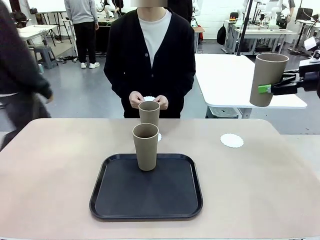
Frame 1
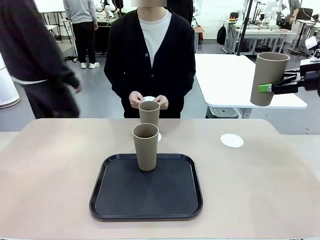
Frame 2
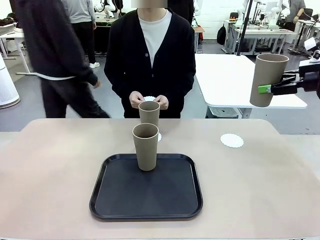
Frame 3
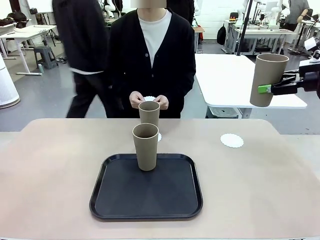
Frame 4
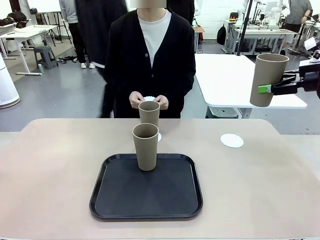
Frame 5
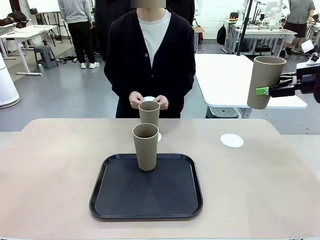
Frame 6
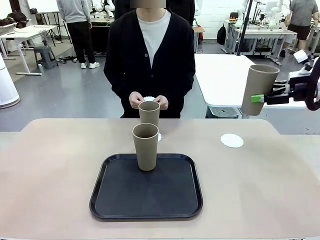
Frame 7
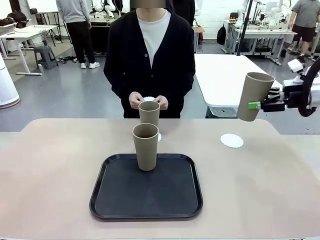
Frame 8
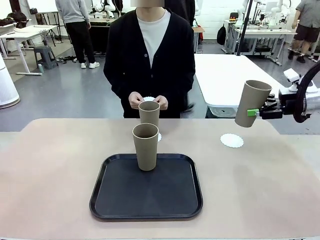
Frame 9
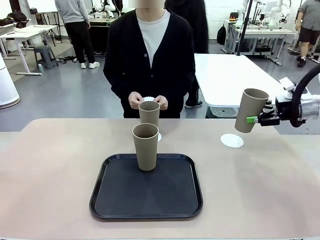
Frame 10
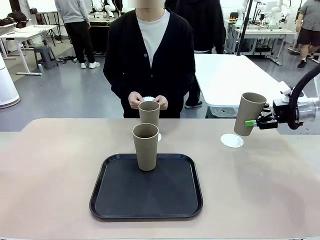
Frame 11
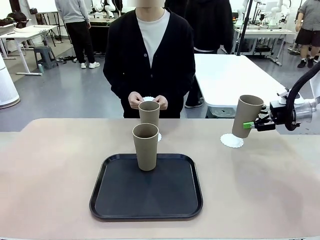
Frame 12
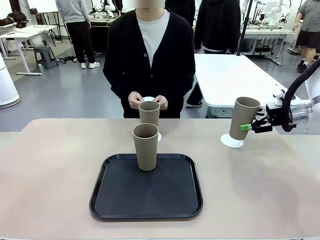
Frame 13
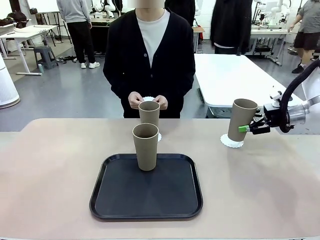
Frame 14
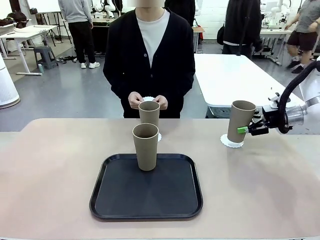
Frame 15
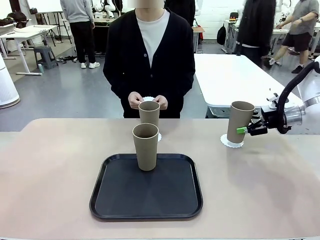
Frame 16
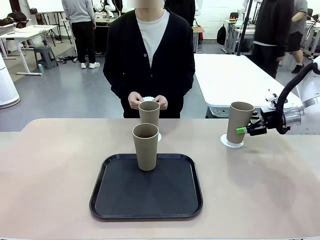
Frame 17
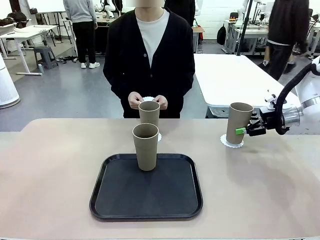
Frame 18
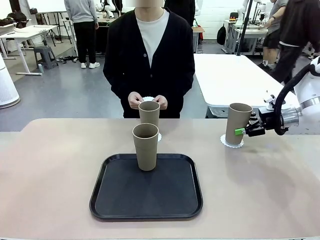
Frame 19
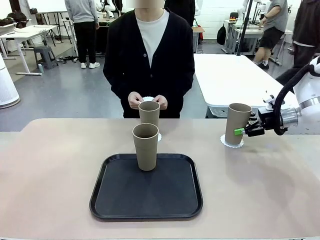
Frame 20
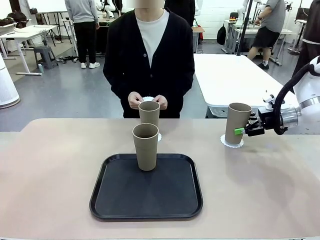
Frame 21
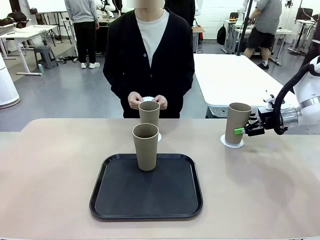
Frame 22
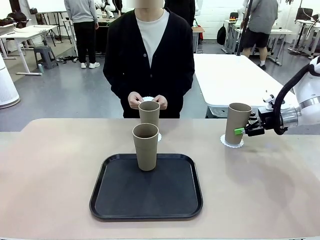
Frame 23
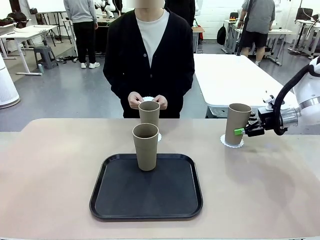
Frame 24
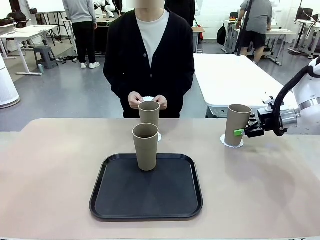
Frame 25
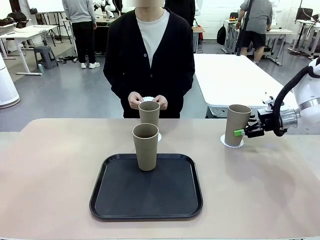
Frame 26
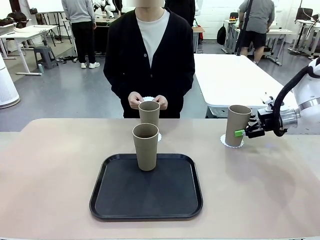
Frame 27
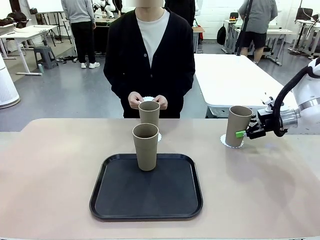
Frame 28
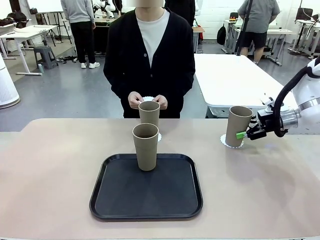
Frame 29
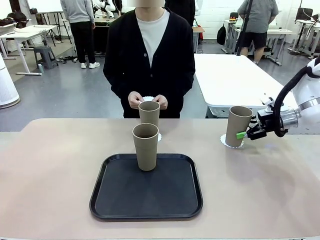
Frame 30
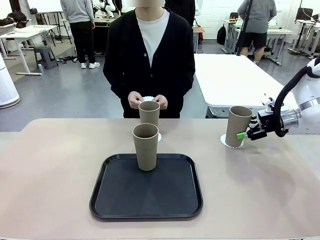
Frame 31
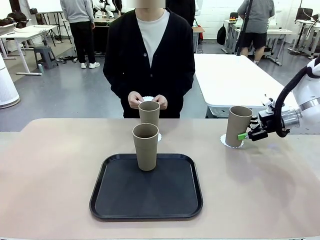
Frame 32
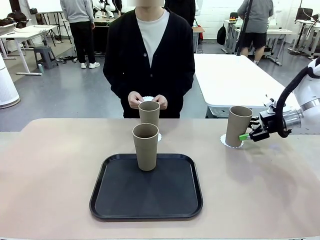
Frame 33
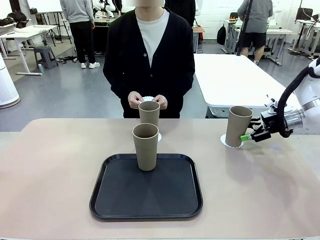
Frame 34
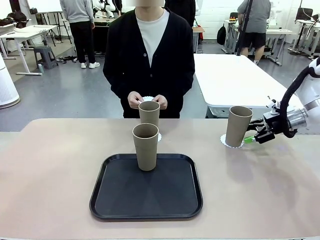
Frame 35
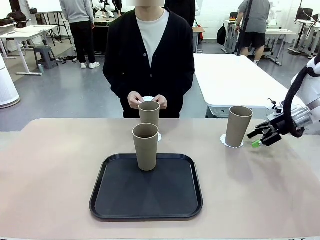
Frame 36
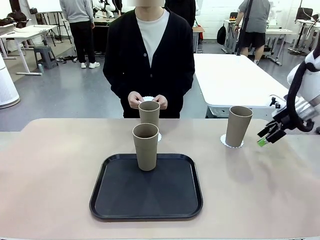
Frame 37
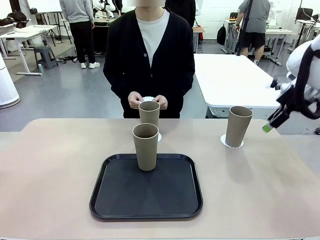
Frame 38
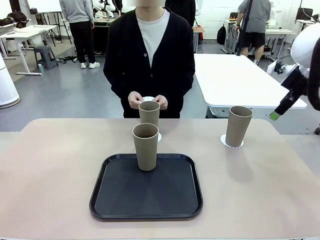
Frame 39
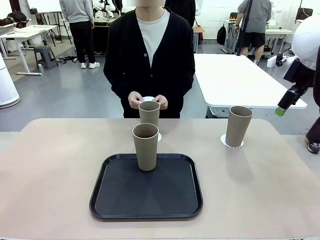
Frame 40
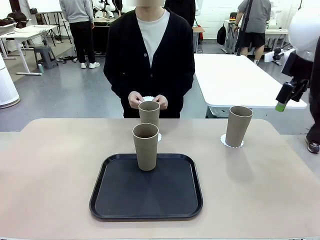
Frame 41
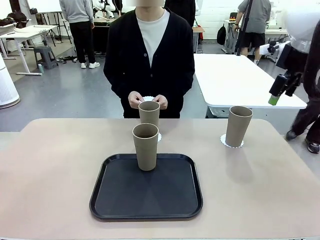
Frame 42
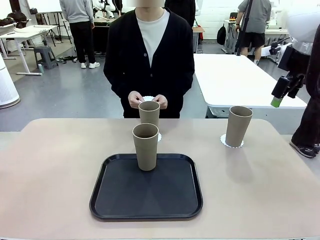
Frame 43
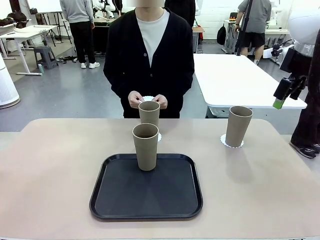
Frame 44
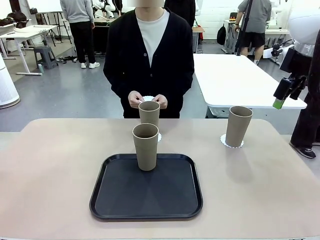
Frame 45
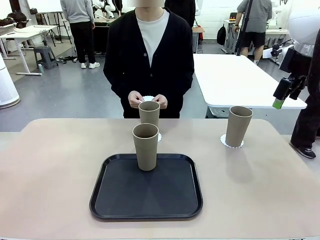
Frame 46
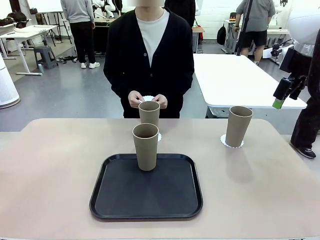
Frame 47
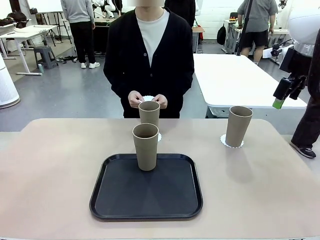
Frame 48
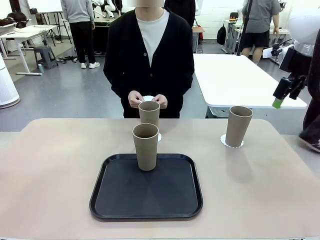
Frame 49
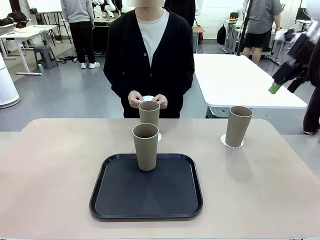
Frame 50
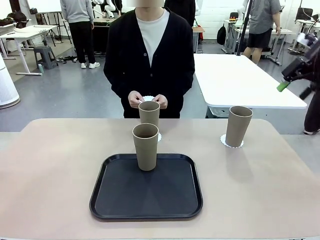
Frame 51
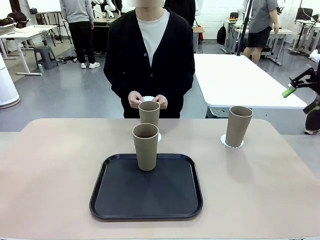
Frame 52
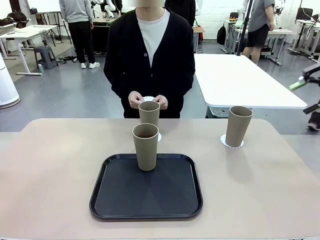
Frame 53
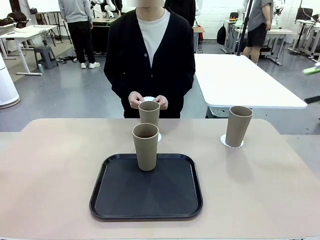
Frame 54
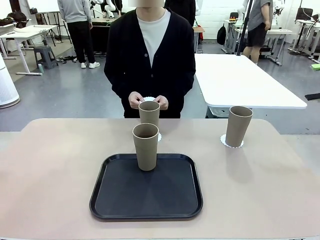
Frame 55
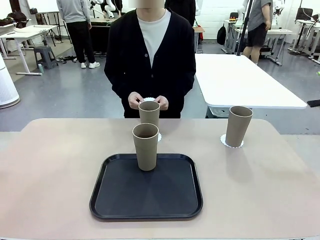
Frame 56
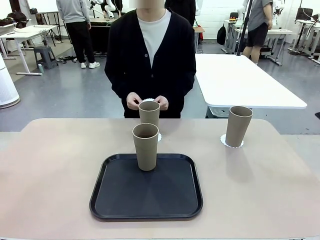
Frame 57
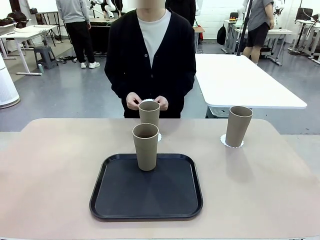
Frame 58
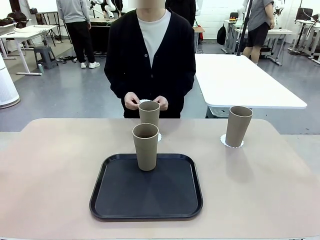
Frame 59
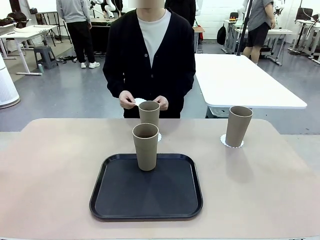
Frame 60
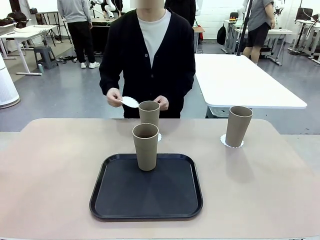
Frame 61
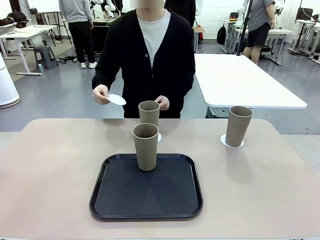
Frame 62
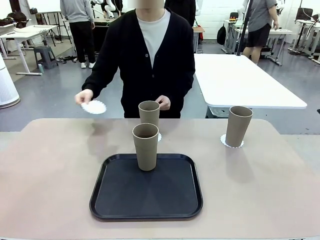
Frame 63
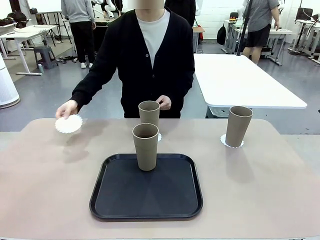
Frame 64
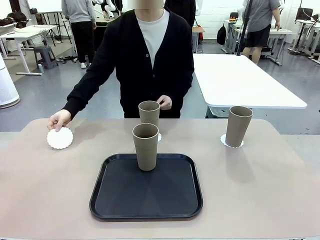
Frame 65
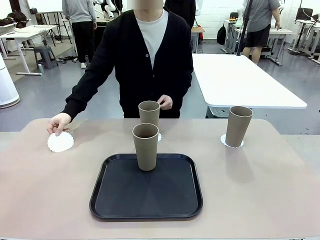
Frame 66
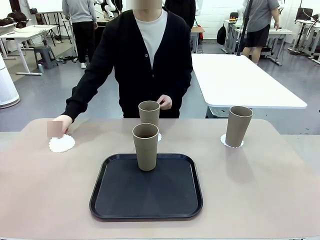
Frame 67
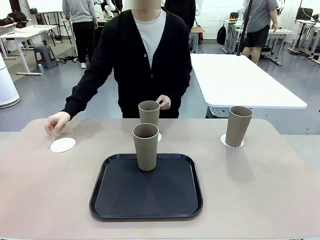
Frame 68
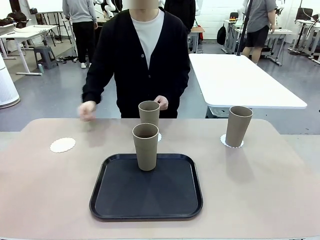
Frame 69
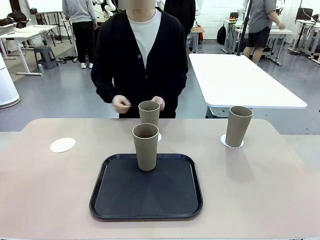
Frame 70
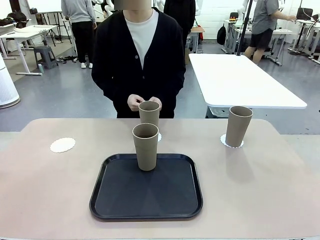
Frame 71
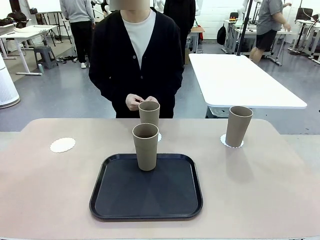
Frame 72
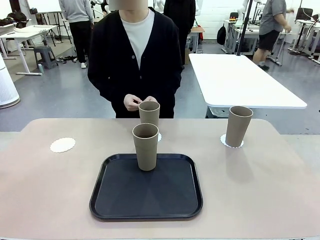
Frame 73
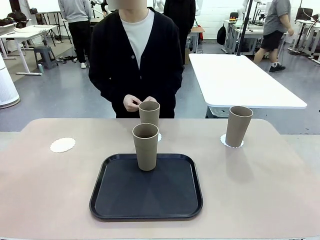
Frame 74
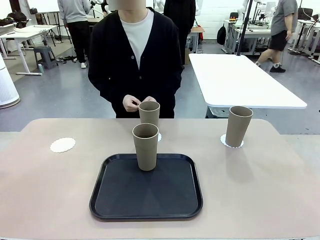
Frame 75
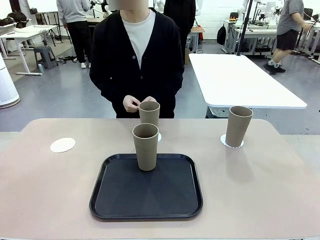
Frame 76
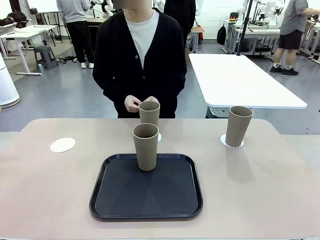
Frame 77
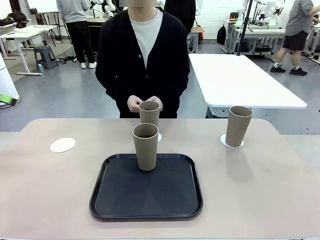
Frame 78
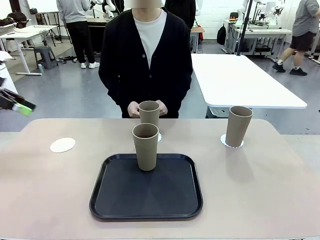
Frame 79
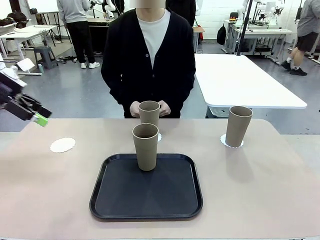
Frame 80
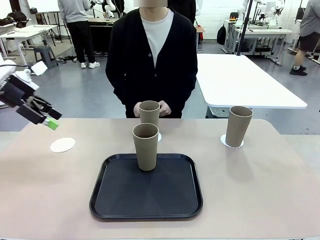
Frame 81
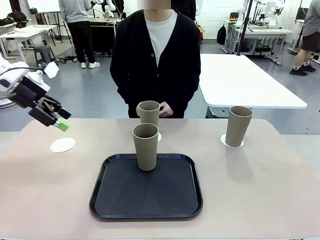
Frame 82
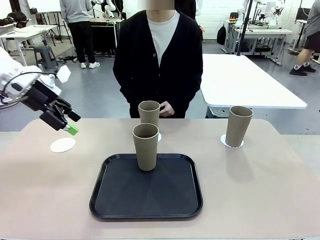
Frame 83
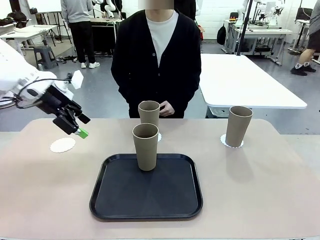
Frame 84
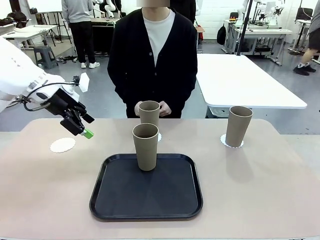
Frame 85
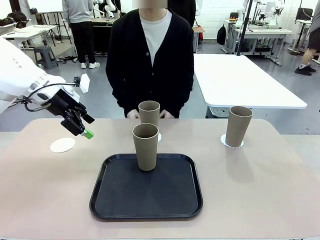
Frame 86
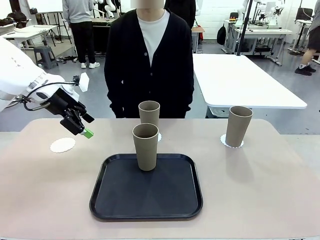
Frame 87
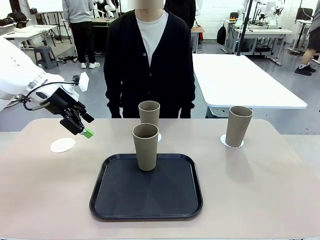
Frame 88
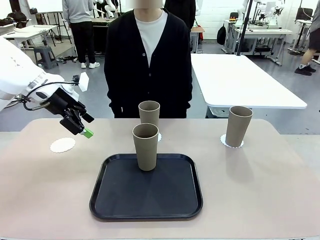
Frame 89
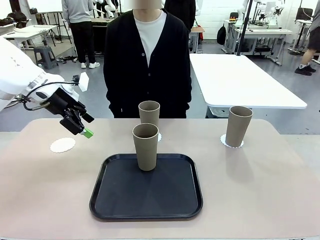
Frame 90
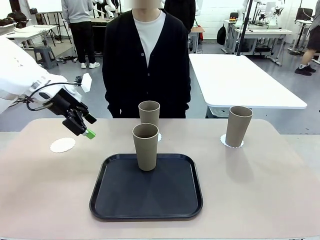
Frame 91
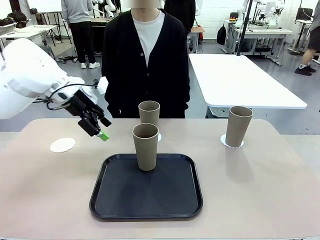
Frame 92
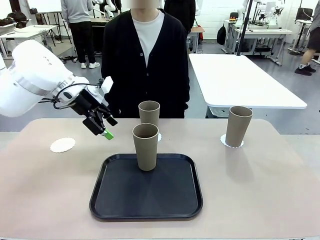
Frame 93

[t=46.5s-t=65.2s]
Task: Place coasters on the table and set cups on them.
Robot: Take one Reusable plastic cup from the Flat Tray and place it on a coaster set by the human.
